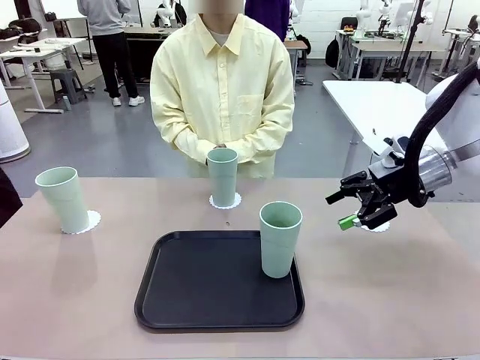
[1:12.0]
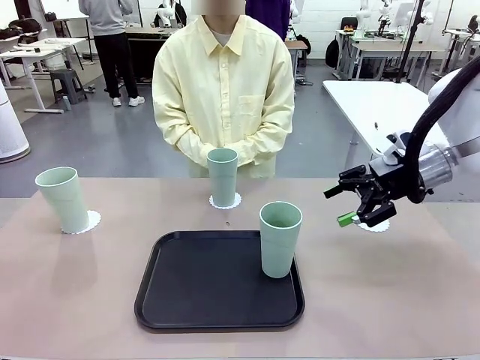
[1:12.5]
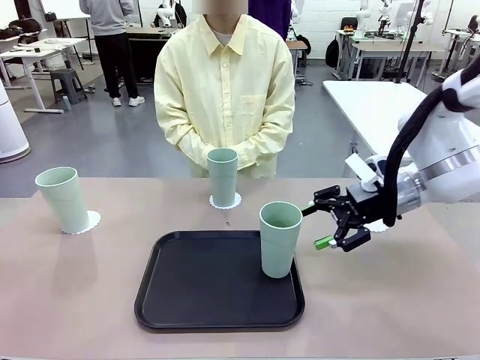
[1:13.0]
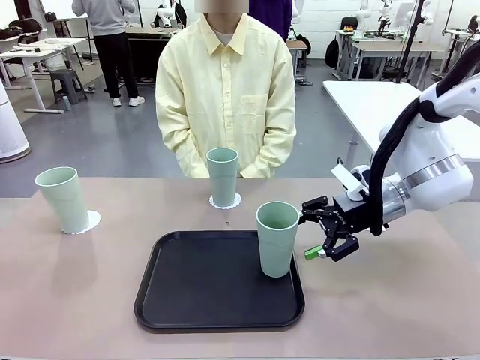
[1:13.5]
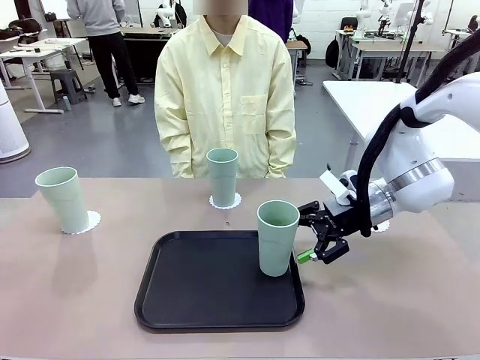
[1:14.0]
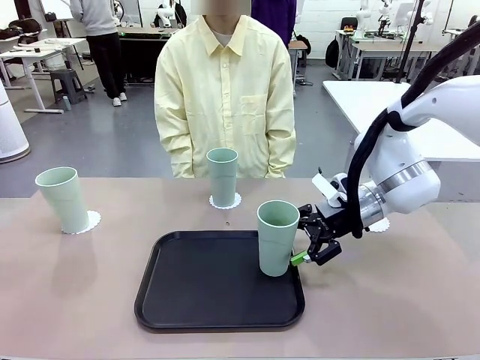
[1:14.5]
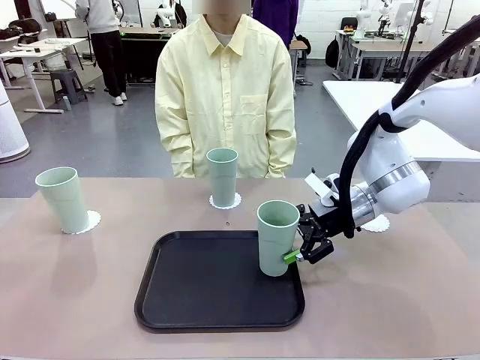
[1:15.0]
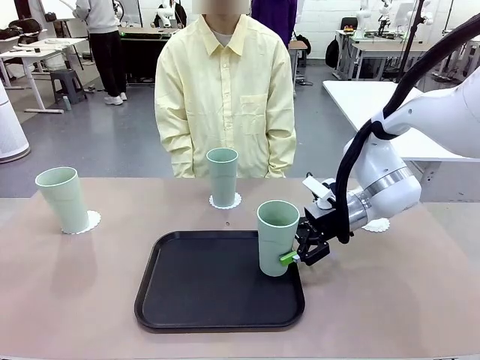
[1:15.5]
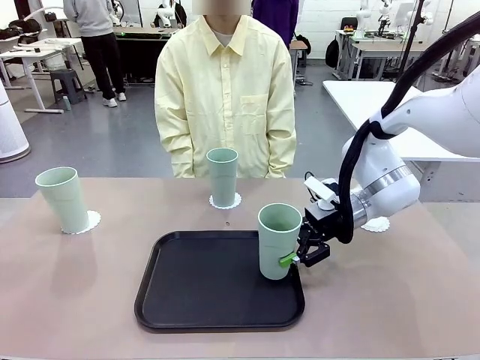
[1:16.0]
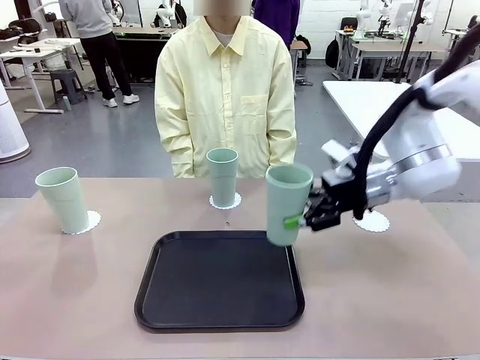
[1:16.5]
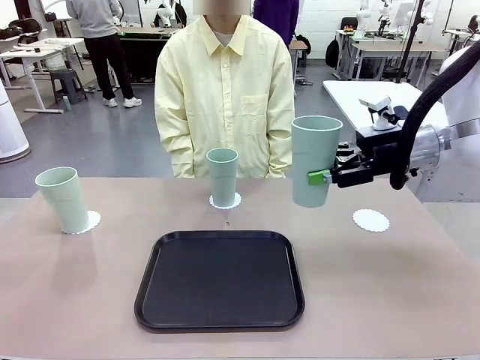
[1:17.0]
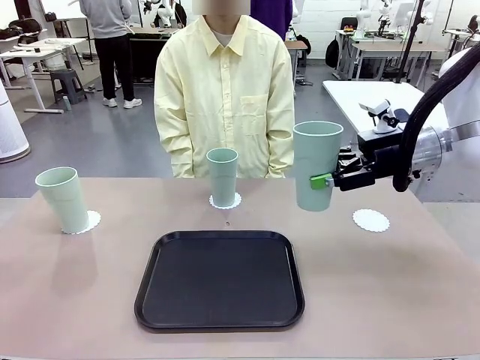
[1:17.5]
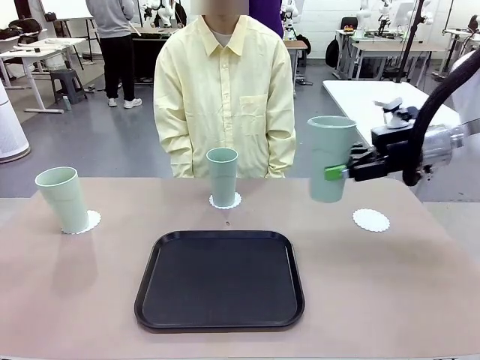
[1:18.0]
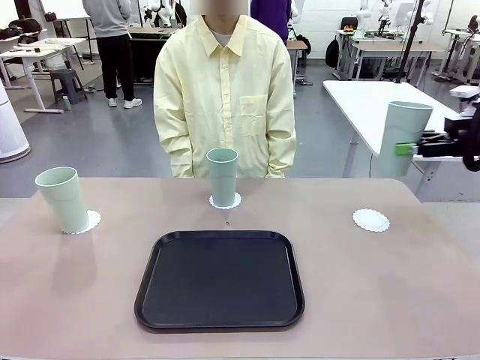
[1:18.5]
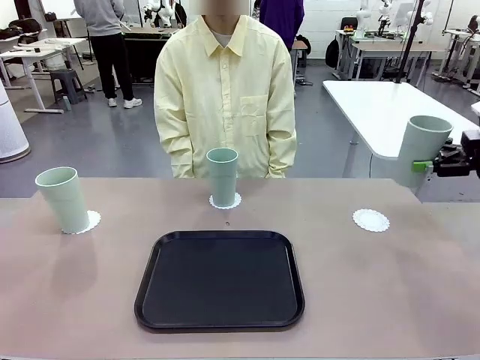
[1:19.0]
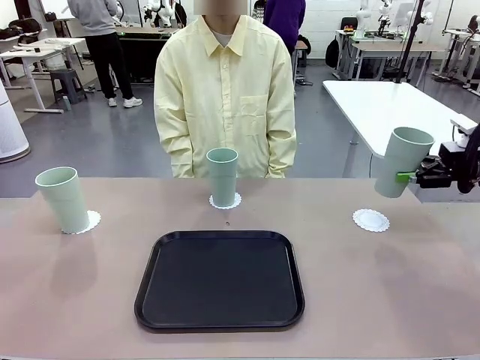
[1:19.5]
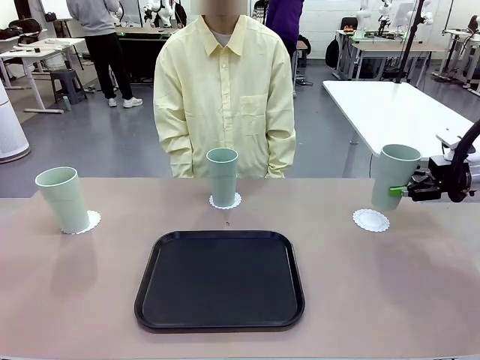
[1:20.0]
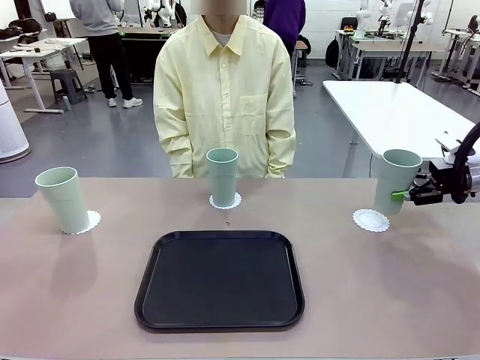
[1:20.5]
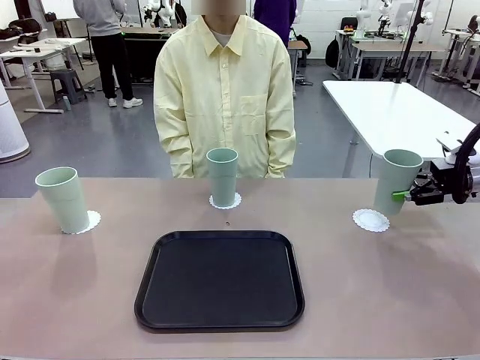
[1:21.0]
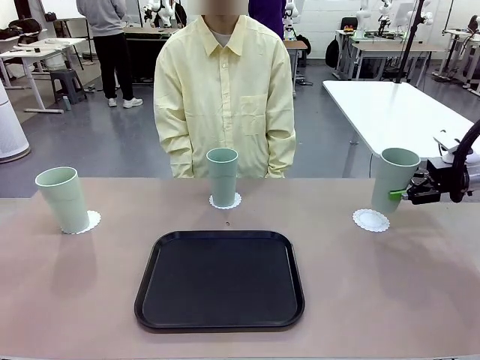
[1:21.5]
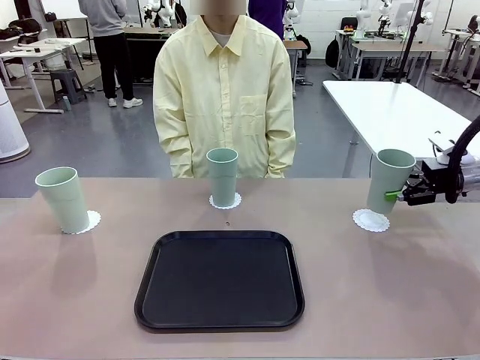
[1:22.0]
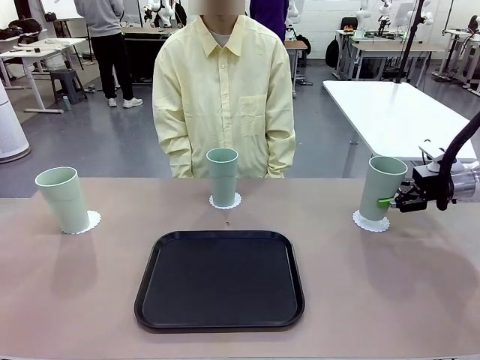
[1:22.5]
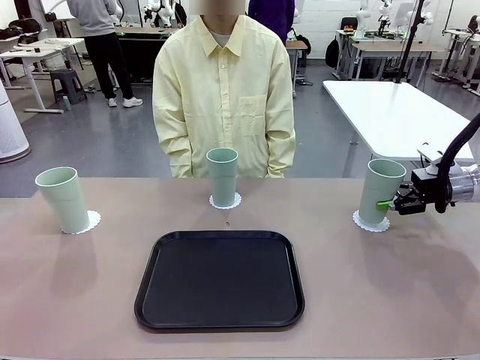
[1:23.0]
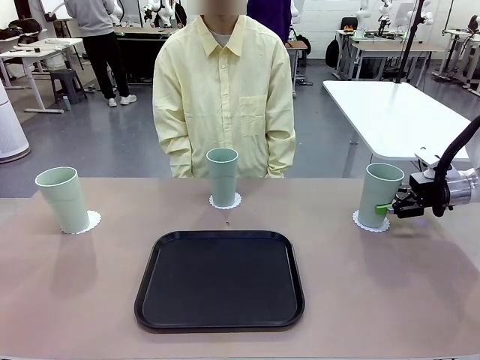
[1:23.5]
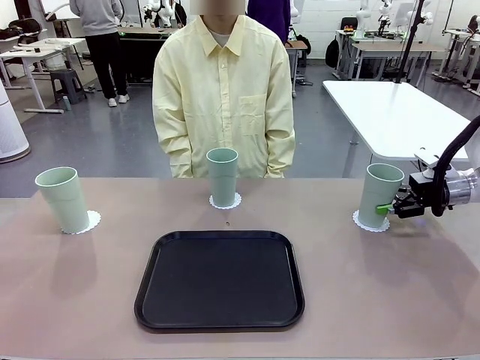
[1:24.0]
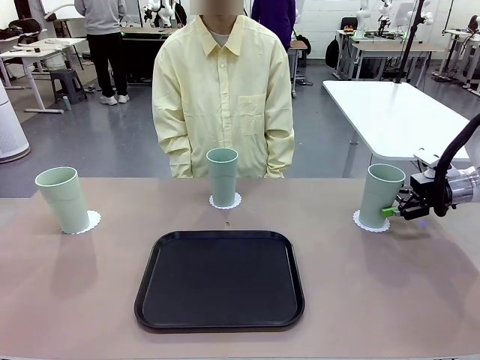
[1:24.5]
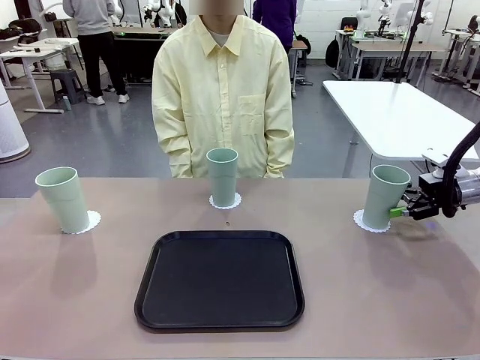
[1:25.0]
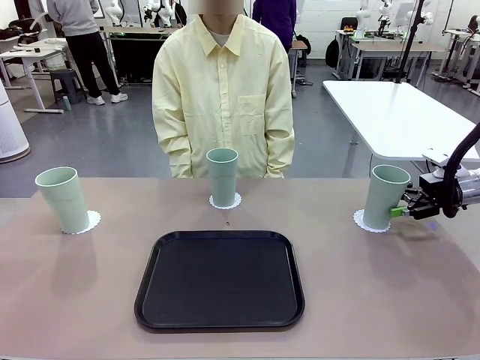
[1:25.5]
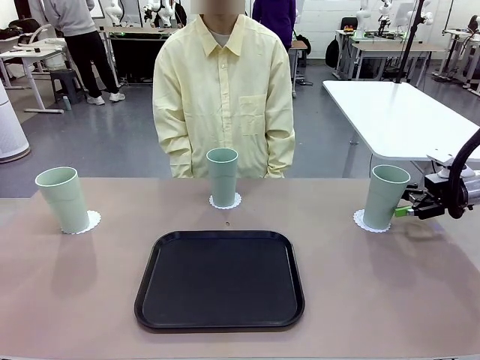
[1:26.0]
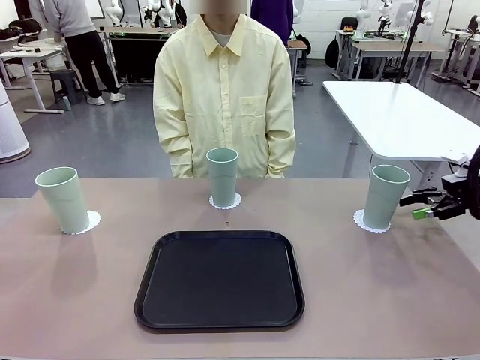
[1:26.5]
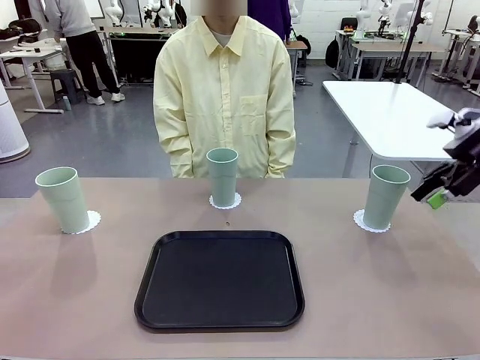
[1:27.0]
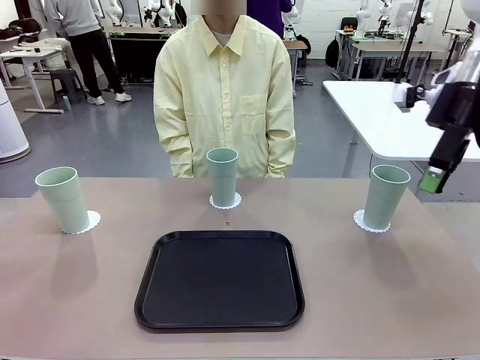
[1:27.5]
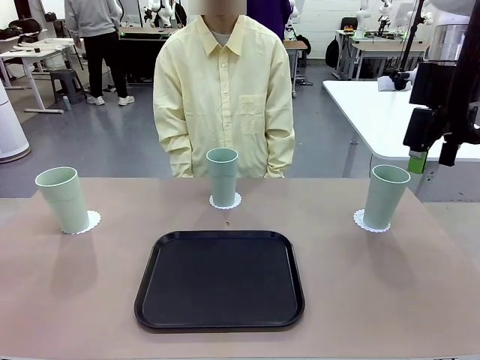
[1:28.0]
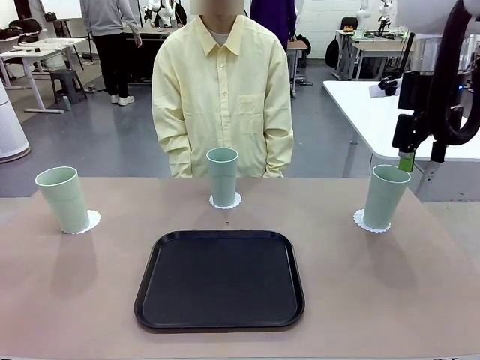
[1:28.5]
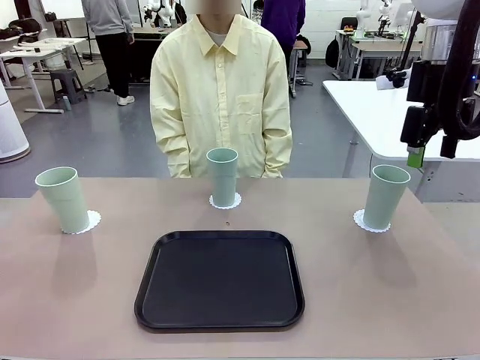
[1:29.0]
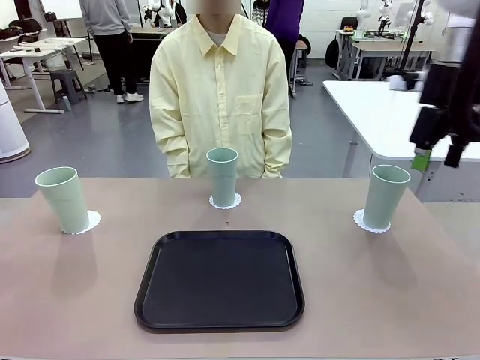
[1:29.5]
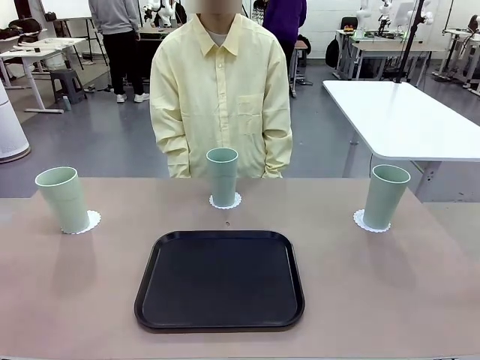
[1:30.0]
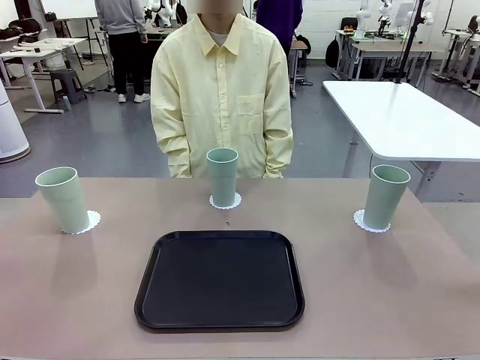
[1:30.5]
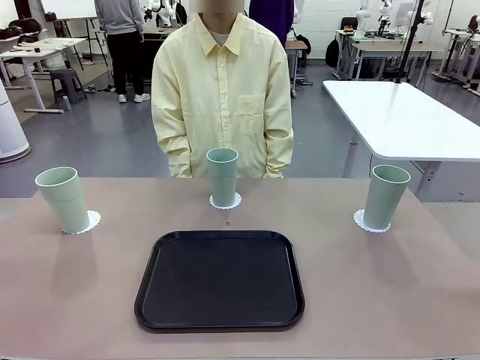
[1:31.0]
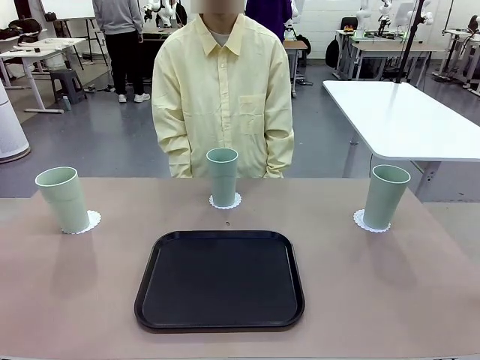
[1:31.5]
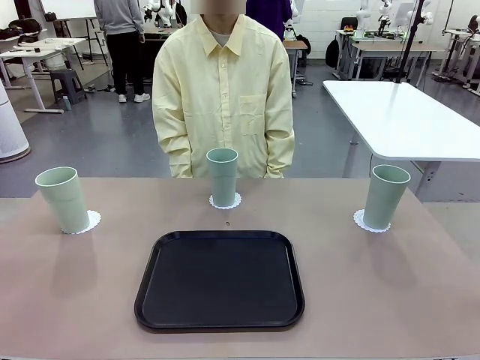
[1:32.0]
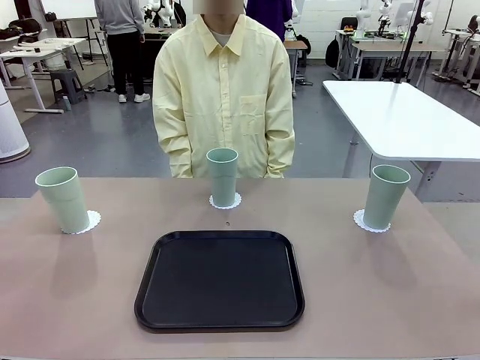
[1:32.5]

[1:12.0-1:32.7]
Task: Place coasters on the table and set cups on them.
Robot: Take one Reusable plastic cup from the Flat Tray and place it on a coaster set by the human.
